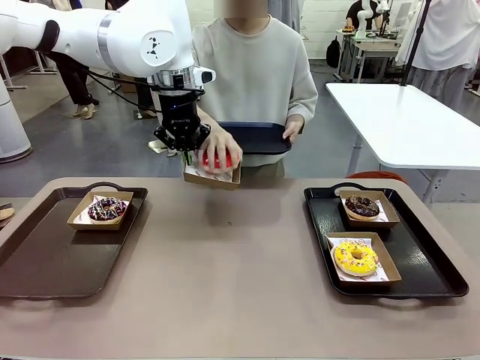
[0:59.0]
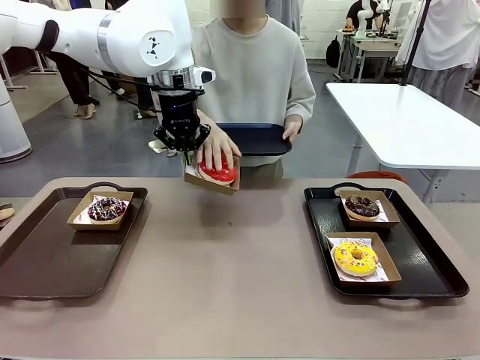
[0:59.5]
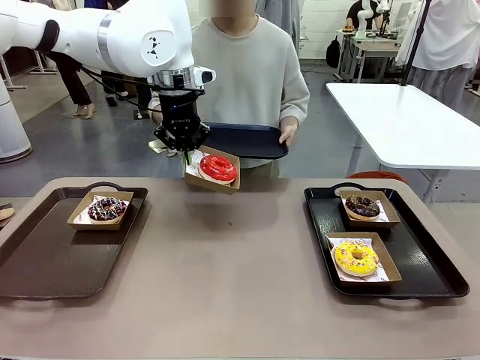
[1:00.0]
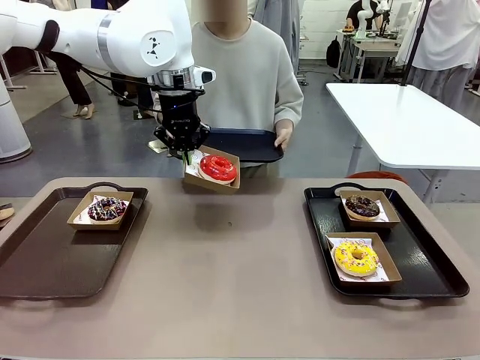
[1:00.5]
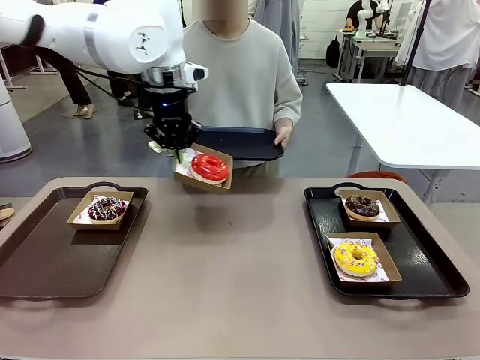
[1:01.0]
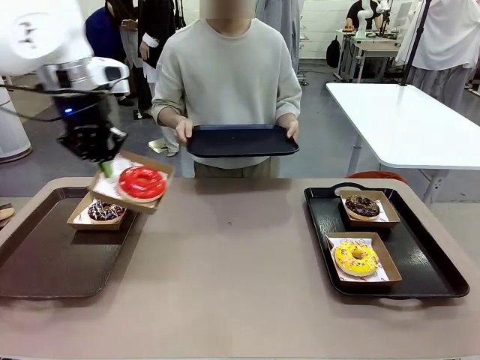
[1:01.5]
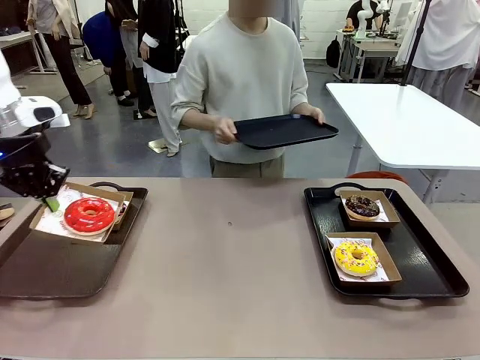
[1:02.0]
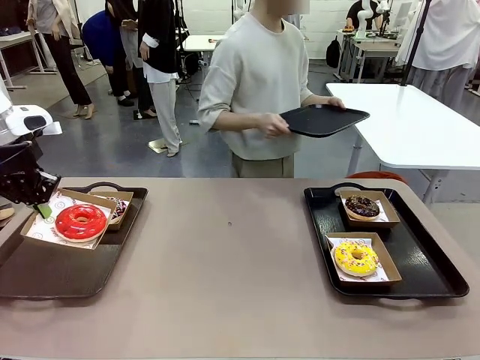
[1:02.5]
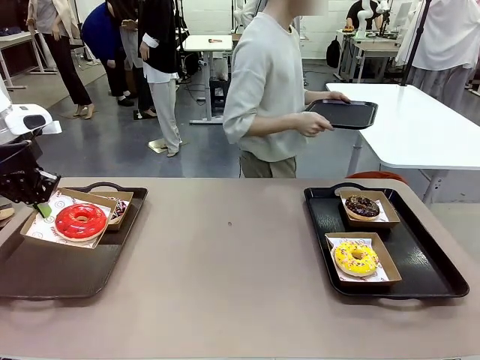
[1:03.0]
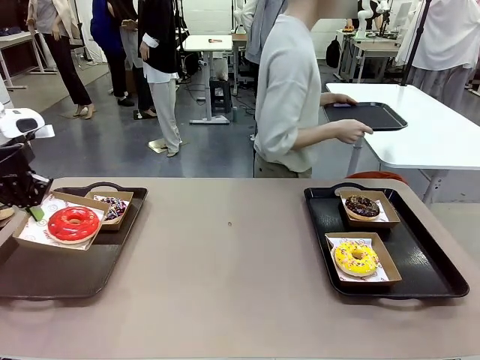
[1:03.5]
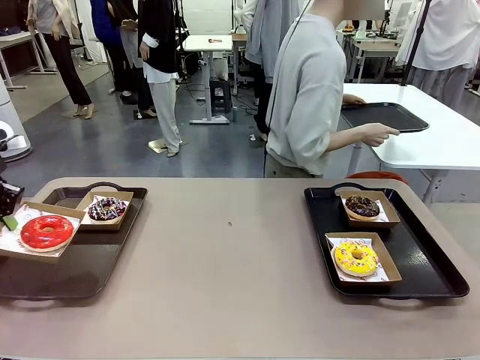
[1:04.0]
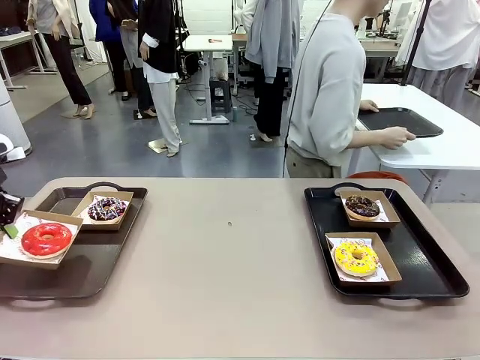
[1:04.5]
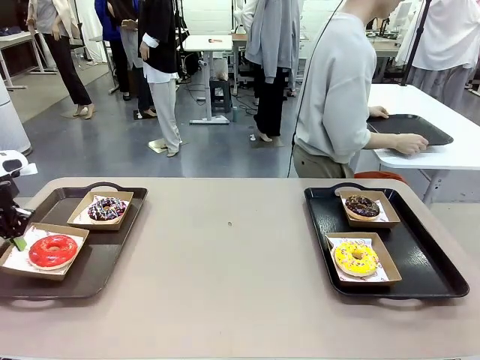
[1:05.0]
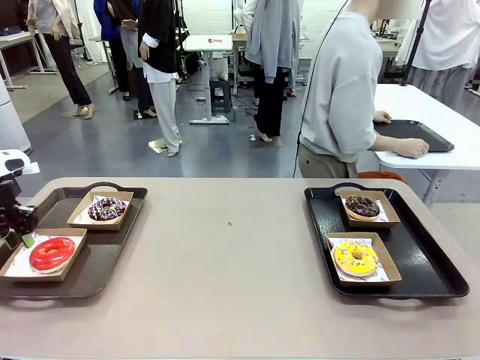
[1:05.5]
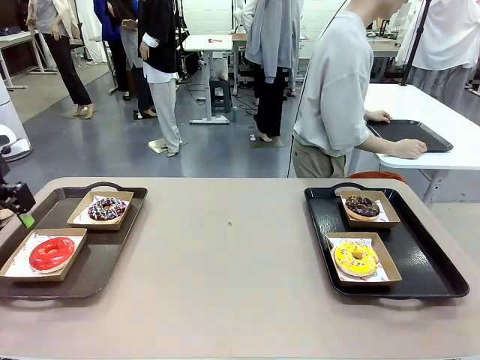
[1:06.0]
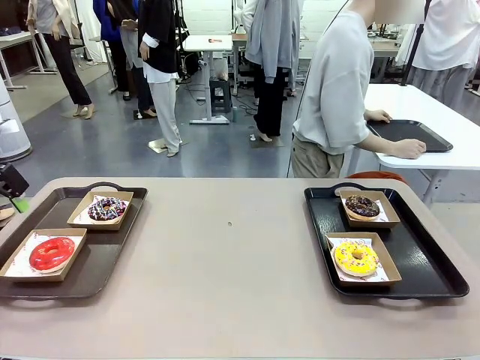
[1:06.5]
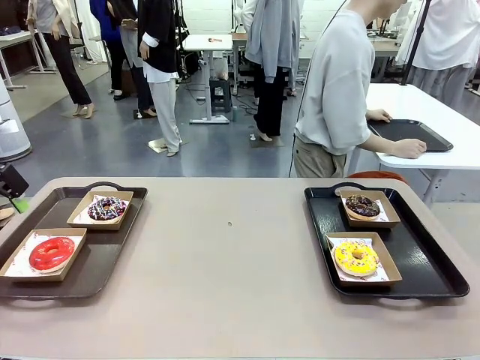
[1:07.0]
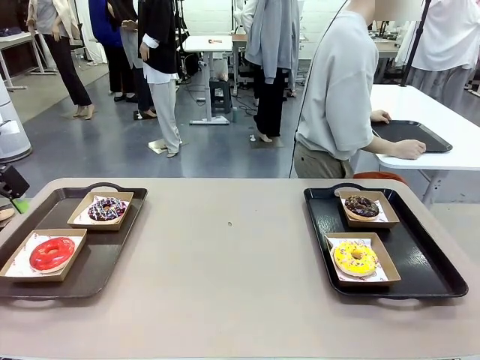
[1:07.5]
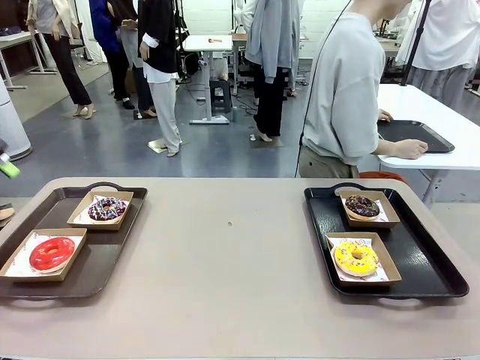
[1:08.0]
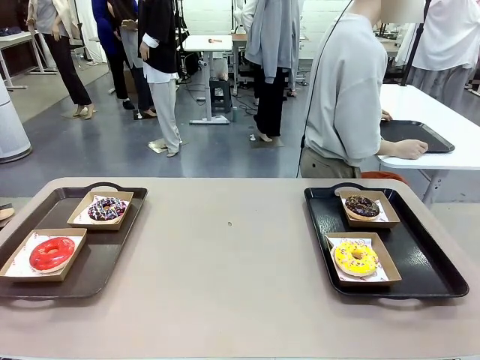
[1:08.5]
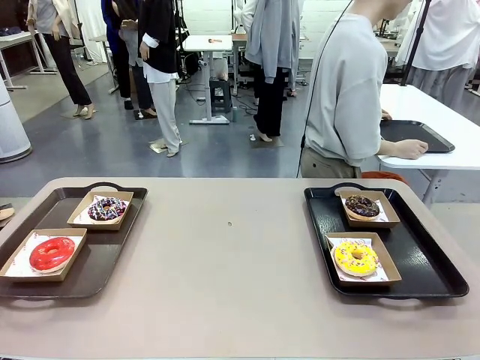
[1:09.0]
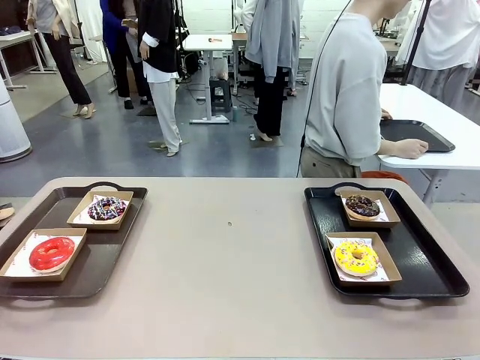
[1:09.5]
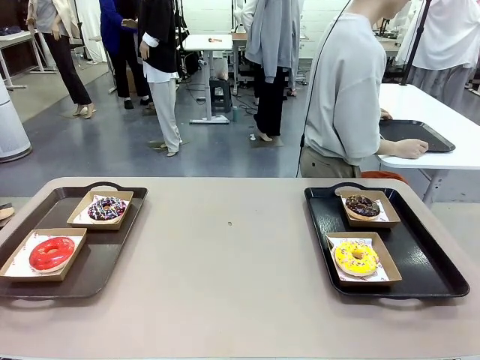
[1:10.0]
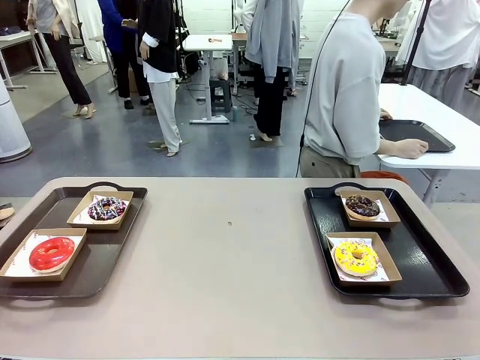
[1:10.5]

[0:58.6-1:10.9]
Task: Individually package the donuts and arrange them on the tray.
Robot: Place the picked Paper togo box on the Handle tray.
Person: Place the tray down in the middle of the human table.

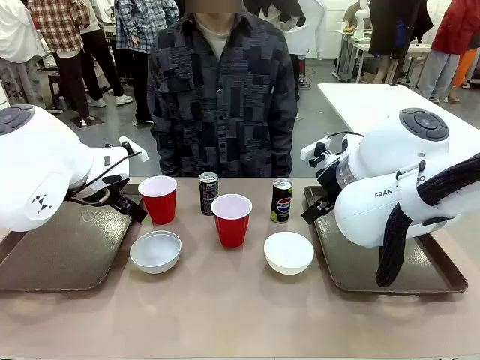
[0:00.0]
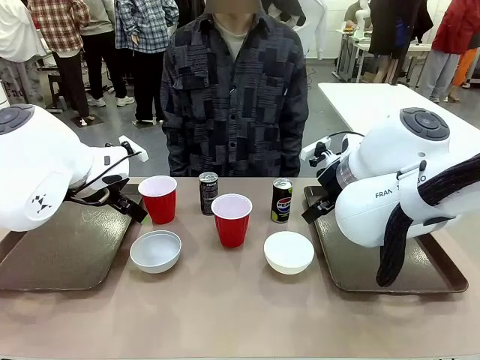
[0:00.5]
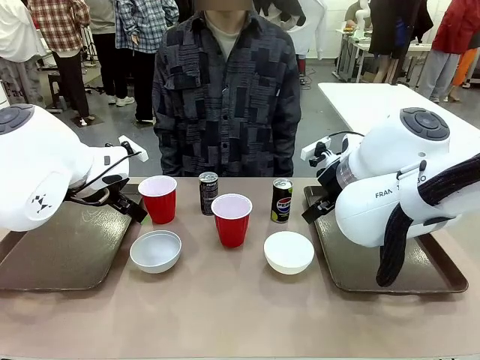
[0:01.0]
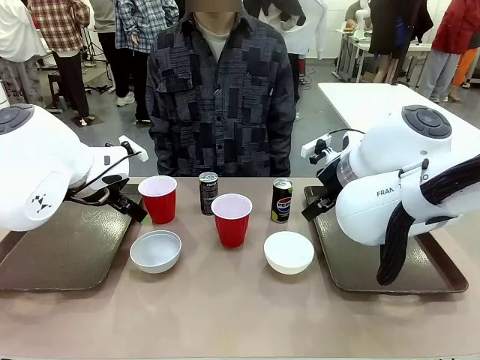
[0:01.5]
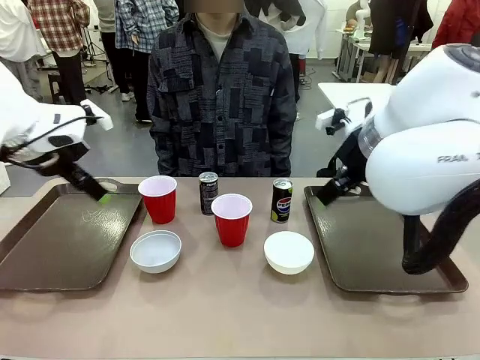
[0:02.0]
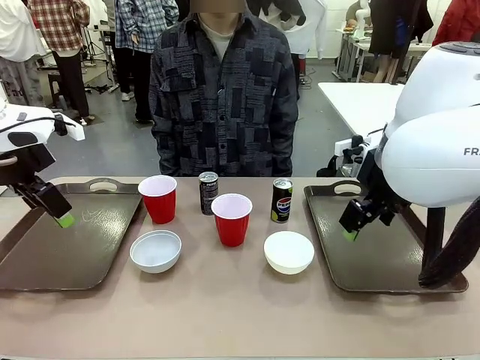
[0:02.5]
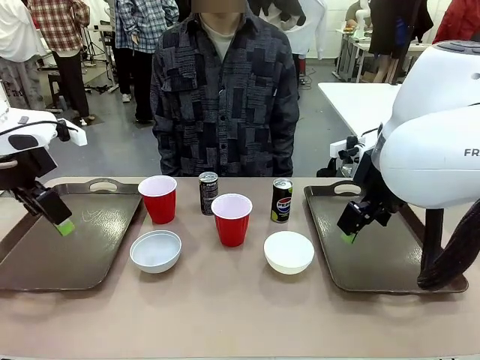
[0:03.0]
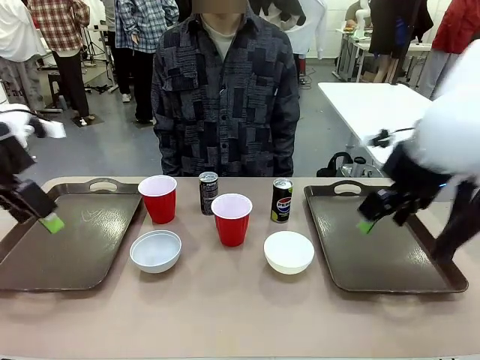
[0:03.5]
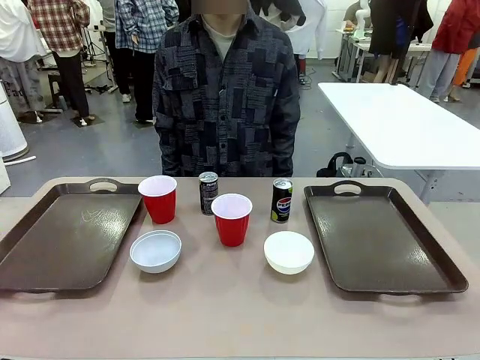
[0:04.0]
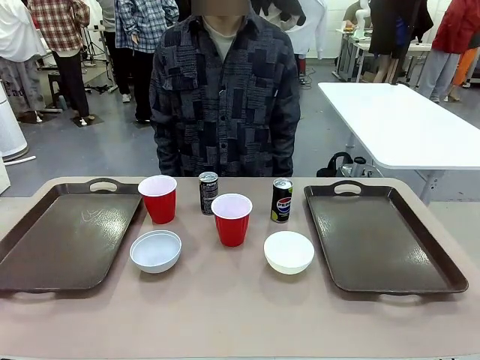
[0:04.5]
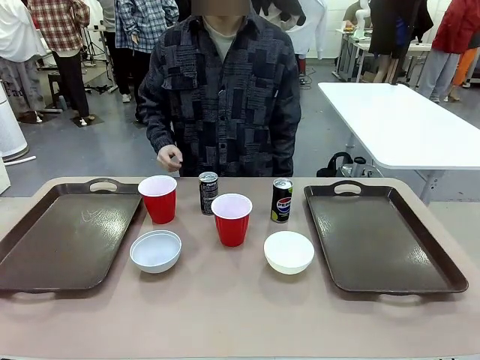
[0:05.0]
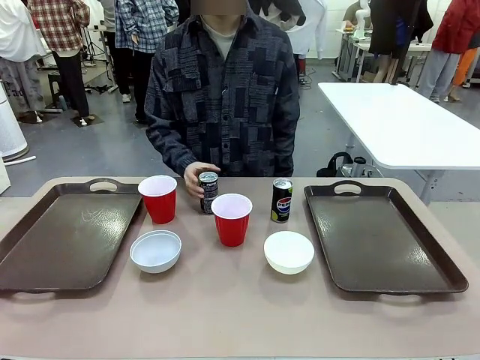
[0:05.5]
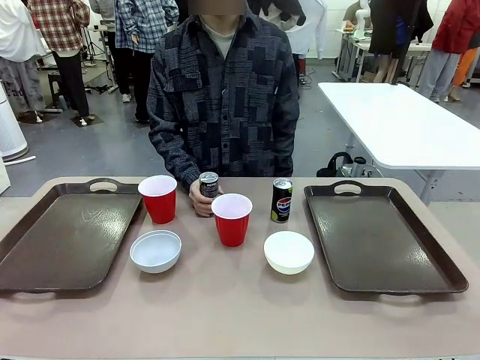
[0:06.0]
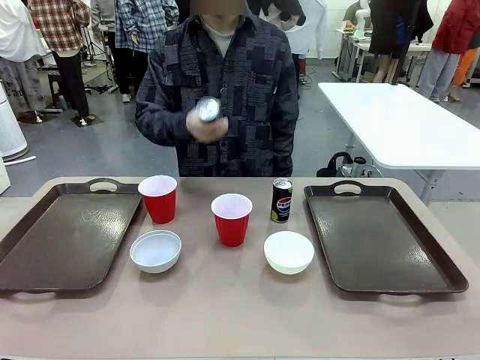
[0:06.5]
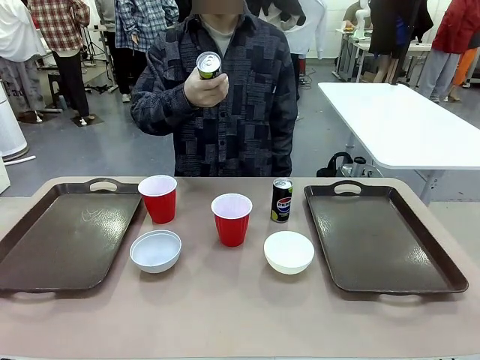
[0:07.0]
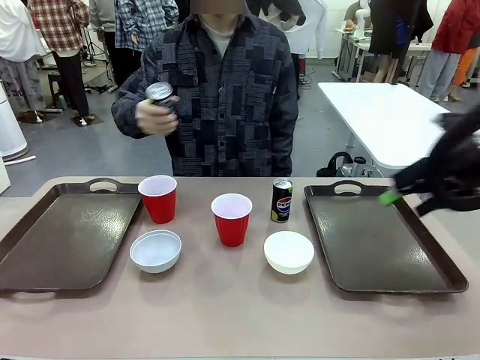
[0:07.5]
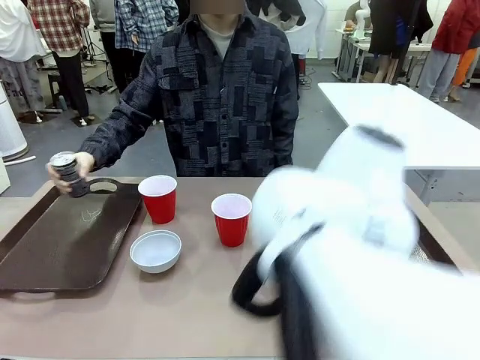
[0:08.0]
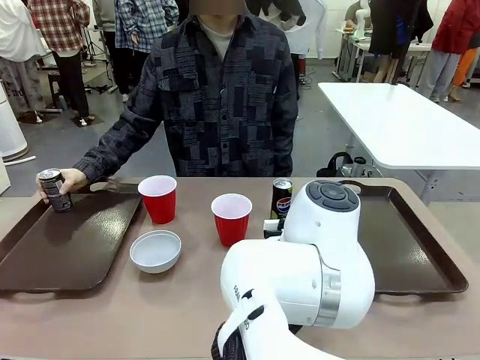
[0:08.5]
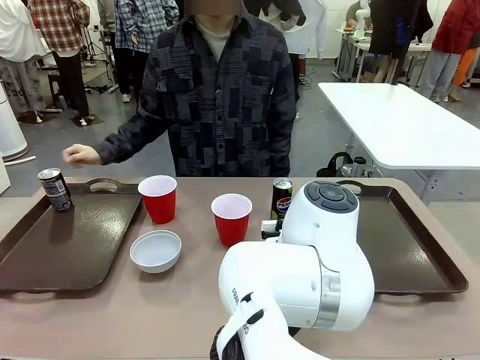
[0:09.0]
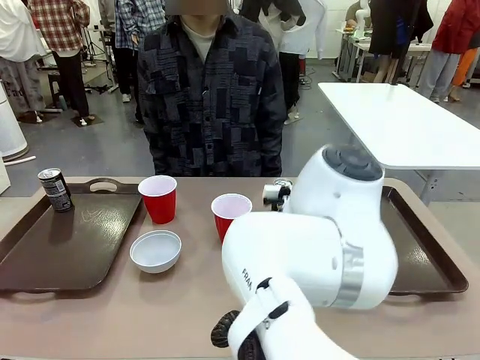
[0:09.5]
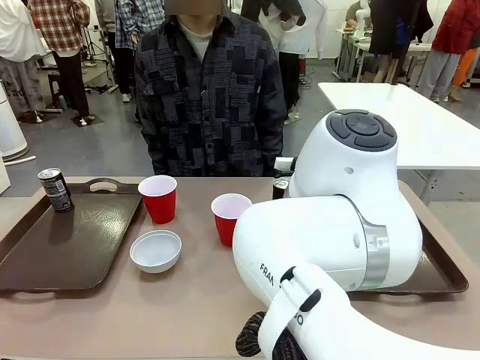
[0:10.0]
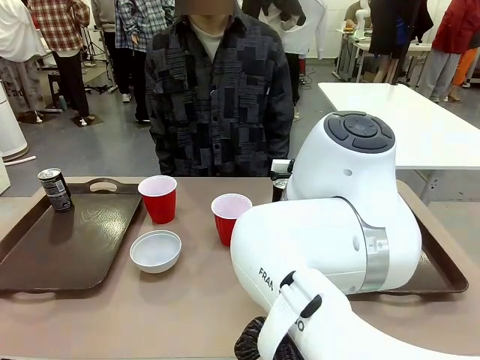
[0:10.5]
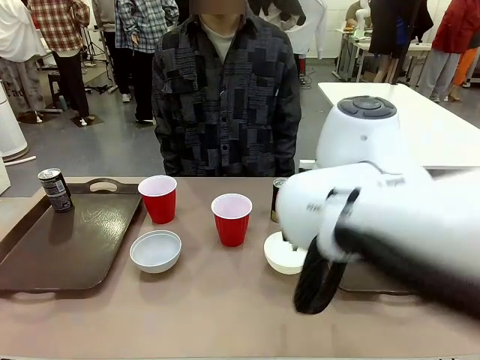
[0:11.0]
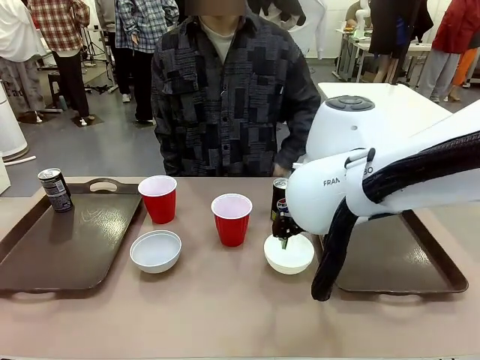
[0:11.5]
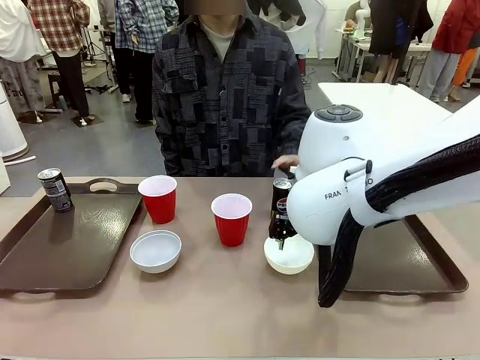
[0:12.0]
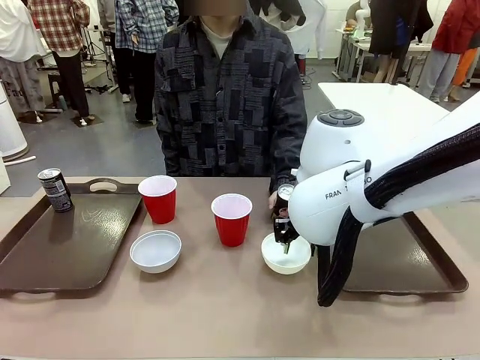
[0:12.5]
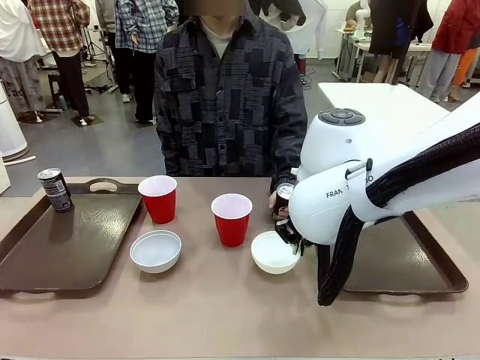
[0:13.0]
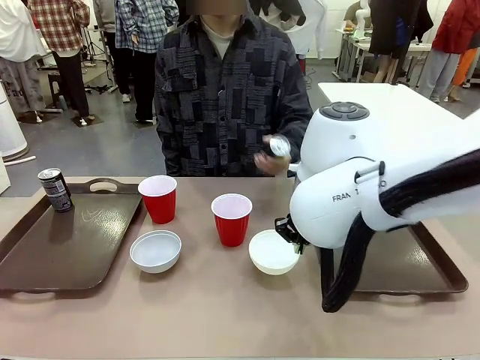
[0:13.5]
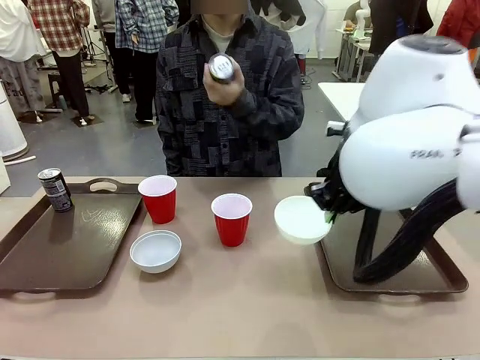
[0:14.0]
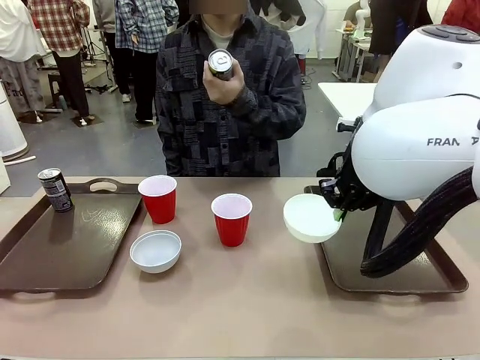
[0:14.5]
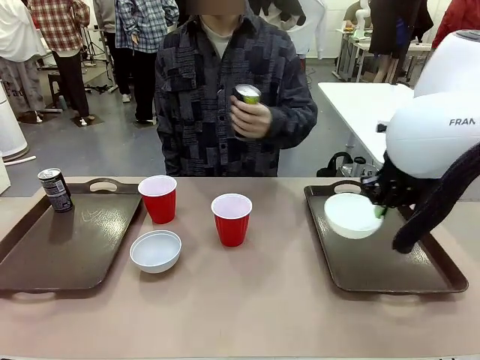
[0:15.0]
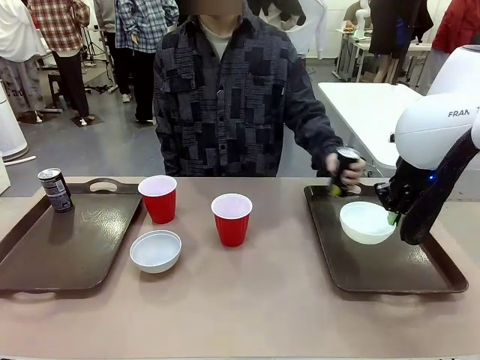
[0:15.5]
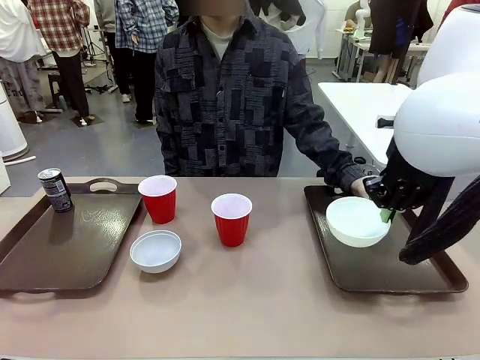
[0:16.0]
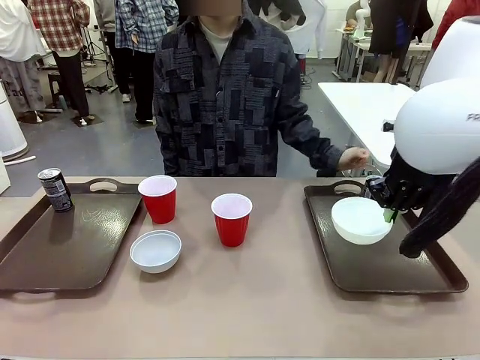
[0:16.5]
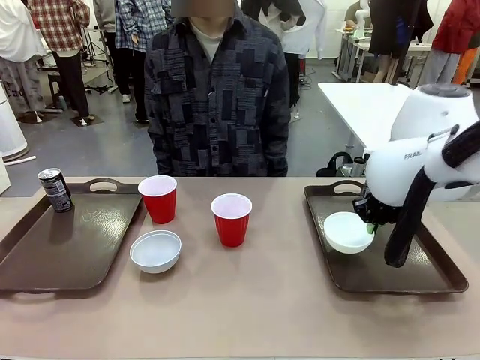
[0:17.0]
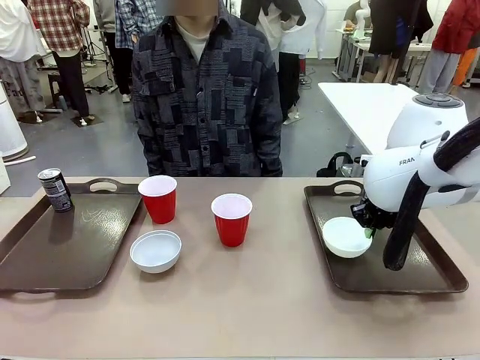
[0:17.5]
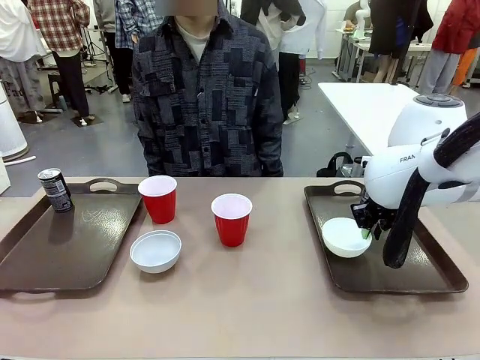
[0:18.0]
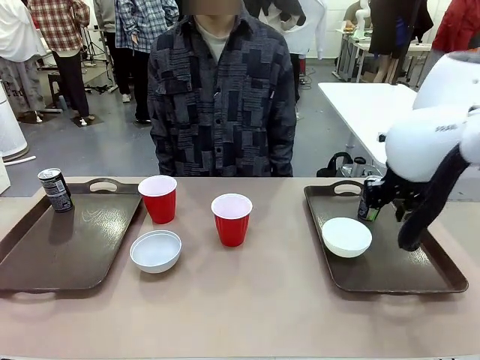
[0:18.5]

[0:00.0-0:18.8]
Task: Prepare tableware on both trays.
Robot: Pick up a Picnic Bowl from the table and place it on a Handle tray.
Person: Pick up a can or cup and place it on the tray.
